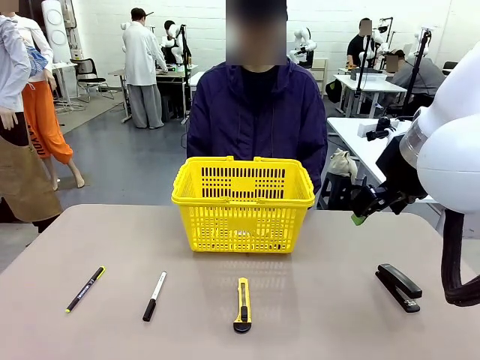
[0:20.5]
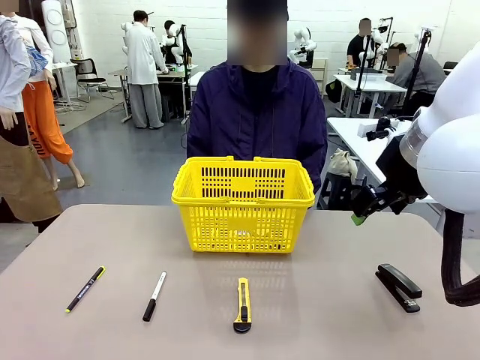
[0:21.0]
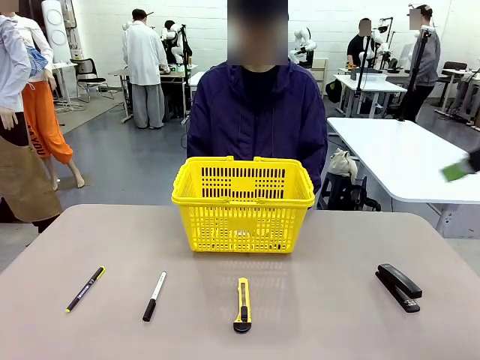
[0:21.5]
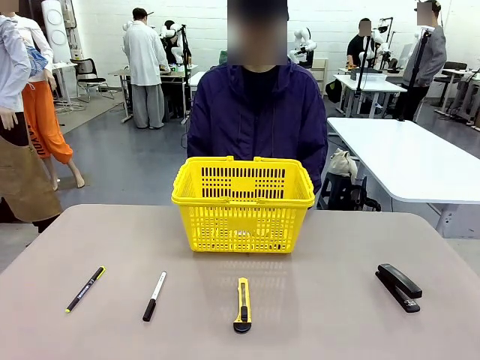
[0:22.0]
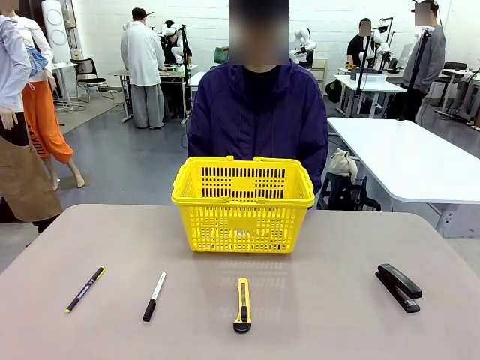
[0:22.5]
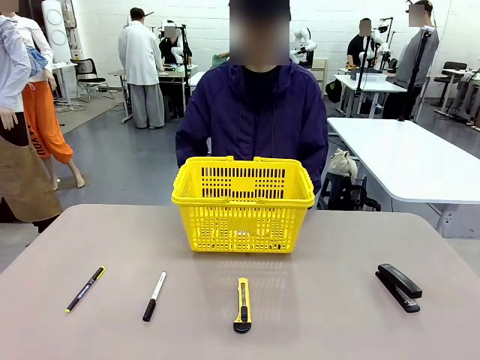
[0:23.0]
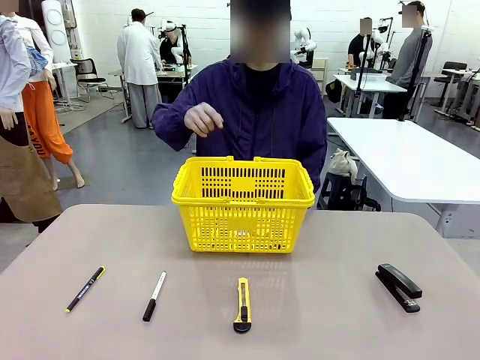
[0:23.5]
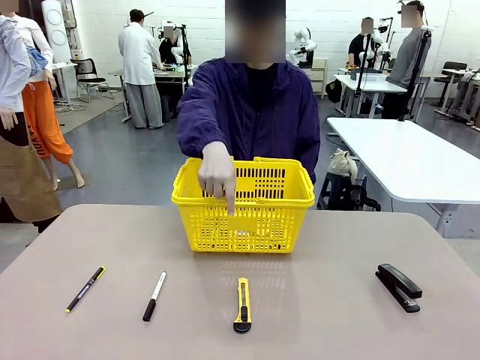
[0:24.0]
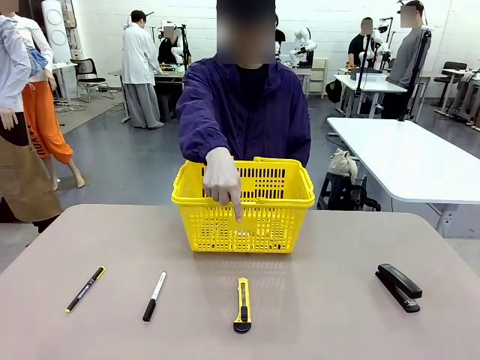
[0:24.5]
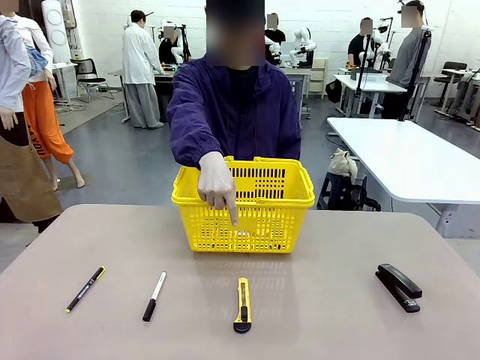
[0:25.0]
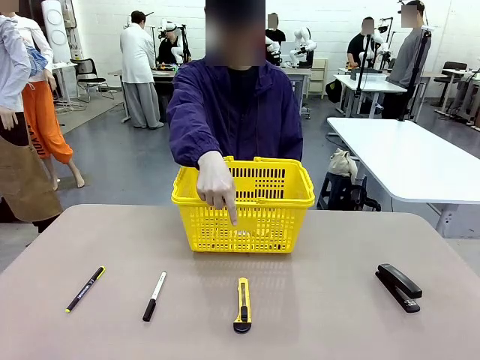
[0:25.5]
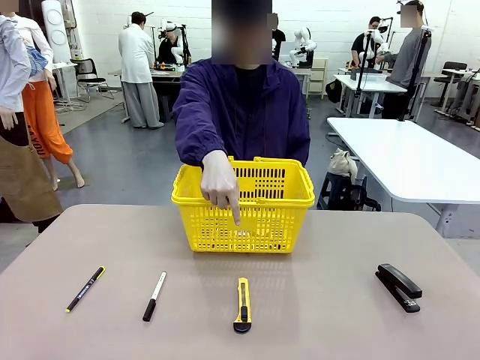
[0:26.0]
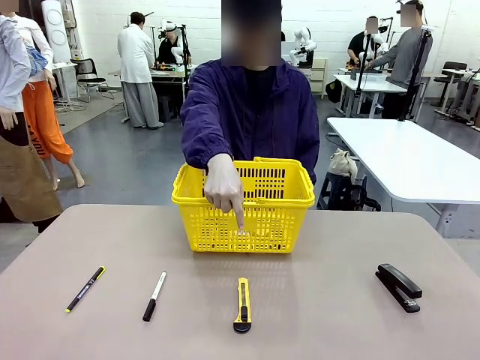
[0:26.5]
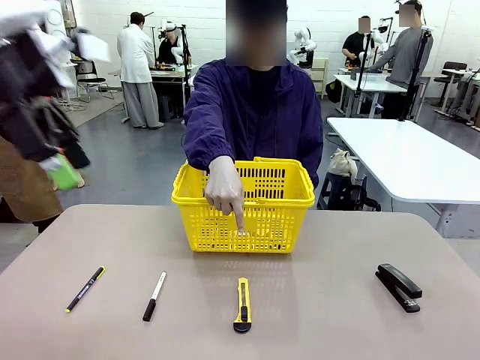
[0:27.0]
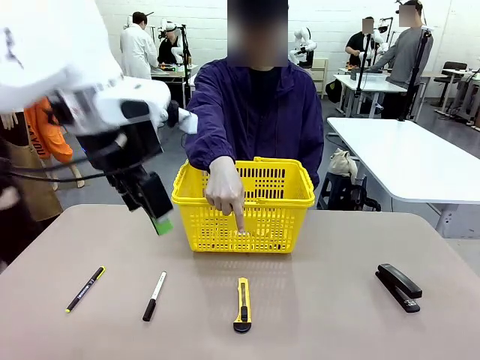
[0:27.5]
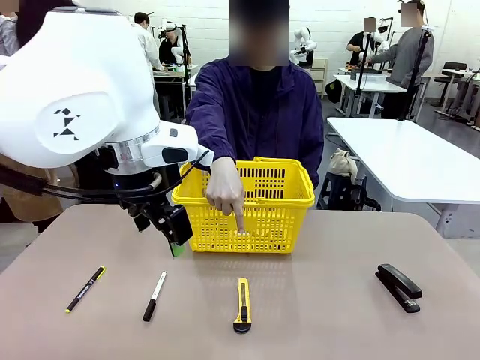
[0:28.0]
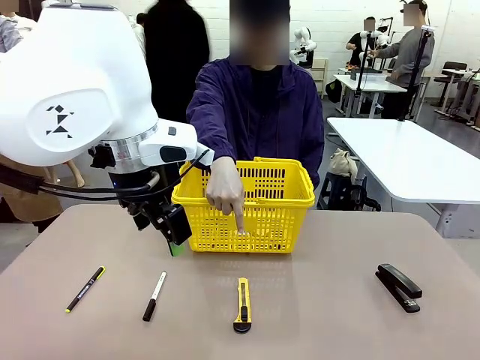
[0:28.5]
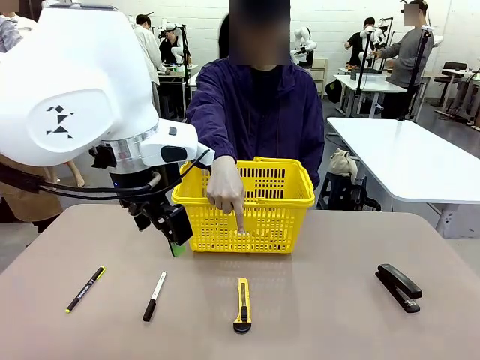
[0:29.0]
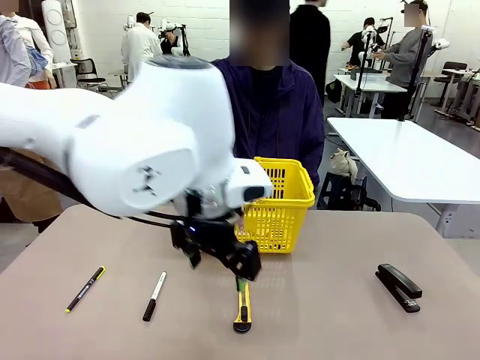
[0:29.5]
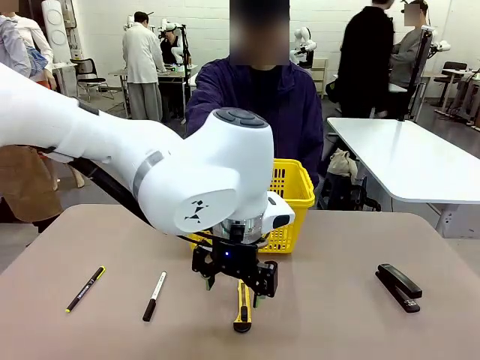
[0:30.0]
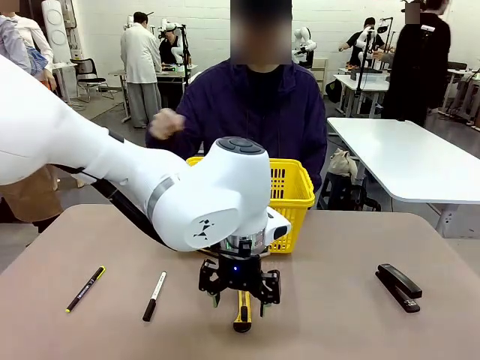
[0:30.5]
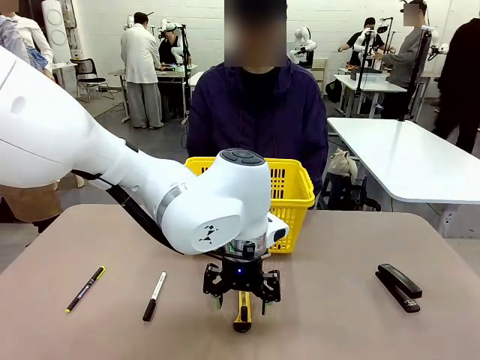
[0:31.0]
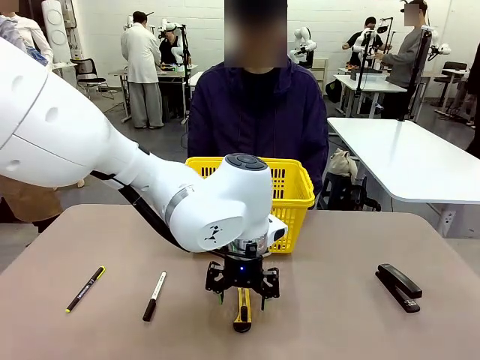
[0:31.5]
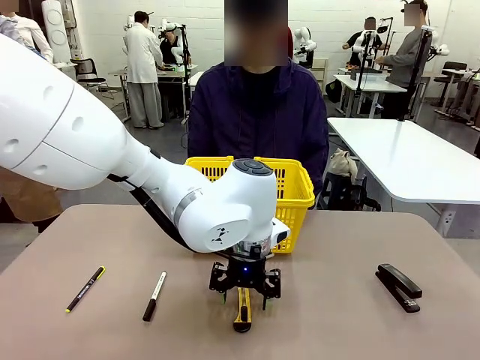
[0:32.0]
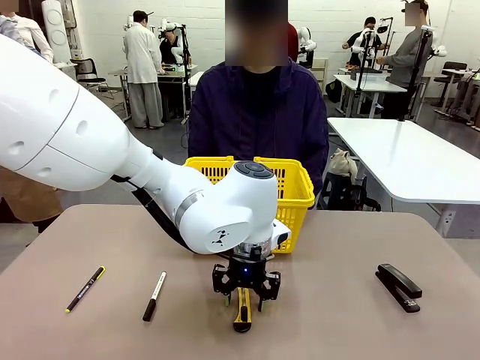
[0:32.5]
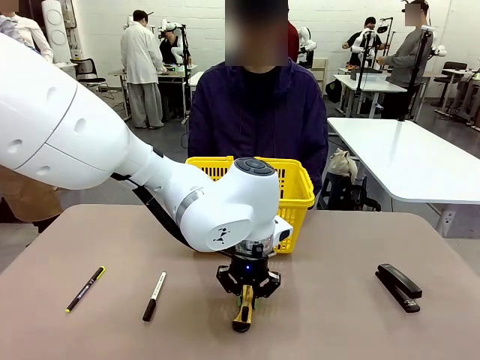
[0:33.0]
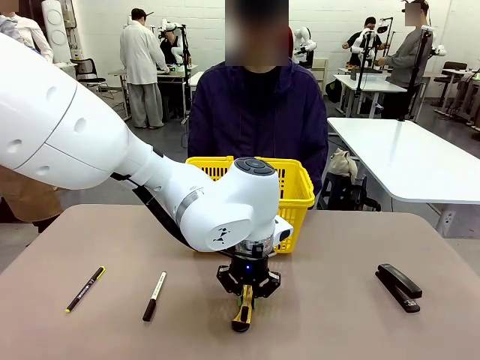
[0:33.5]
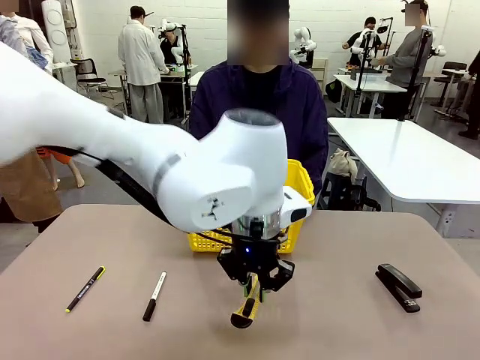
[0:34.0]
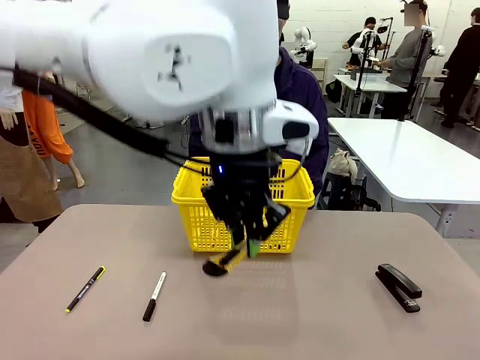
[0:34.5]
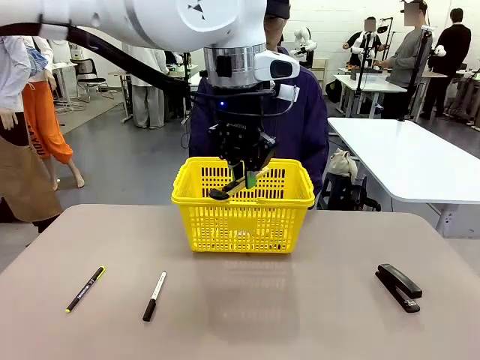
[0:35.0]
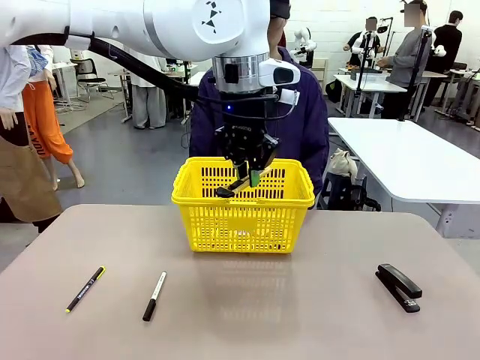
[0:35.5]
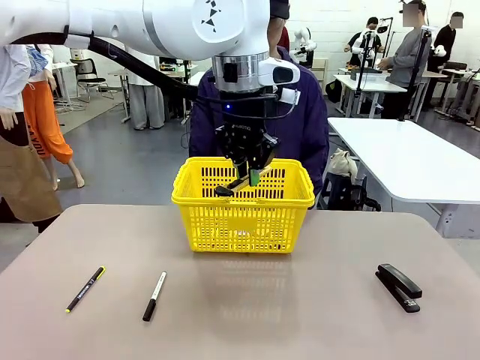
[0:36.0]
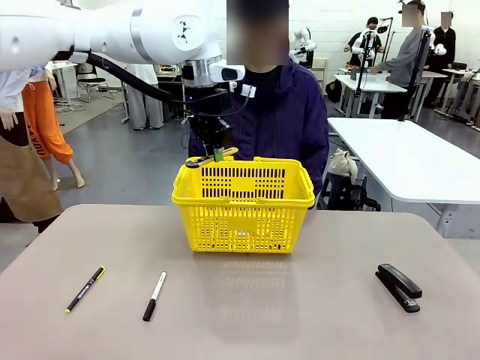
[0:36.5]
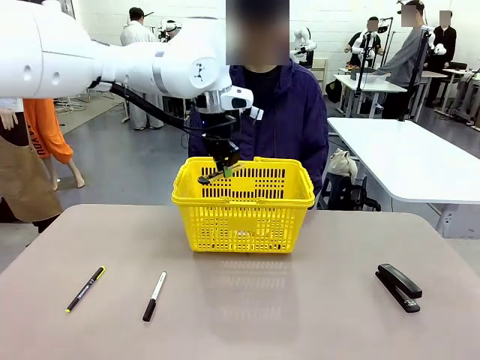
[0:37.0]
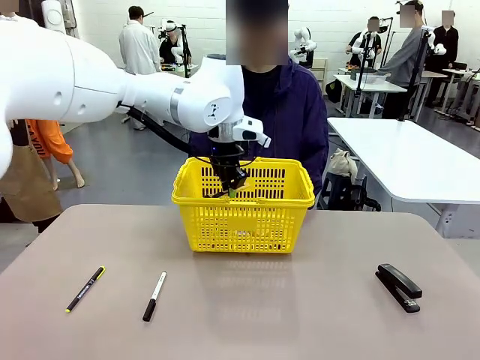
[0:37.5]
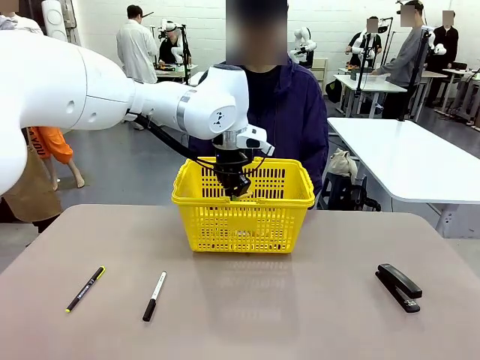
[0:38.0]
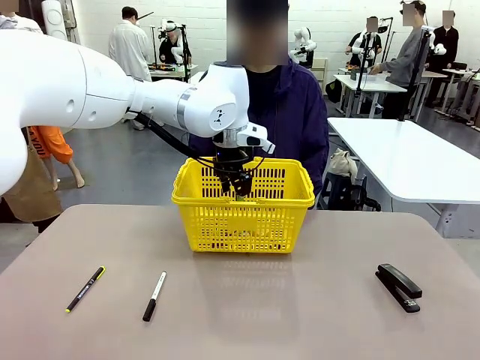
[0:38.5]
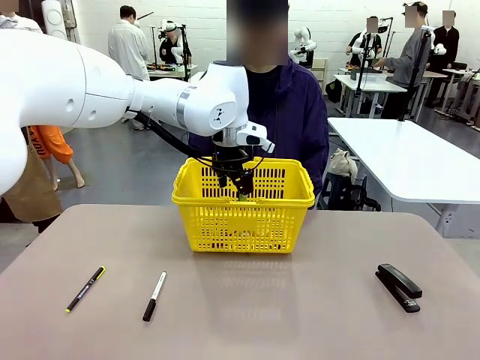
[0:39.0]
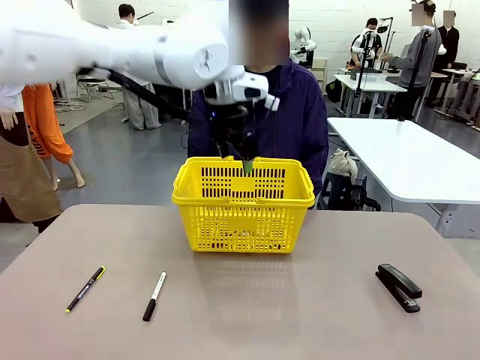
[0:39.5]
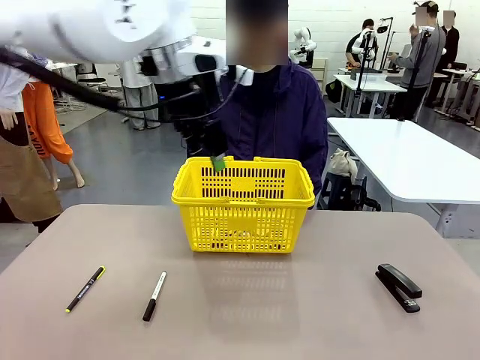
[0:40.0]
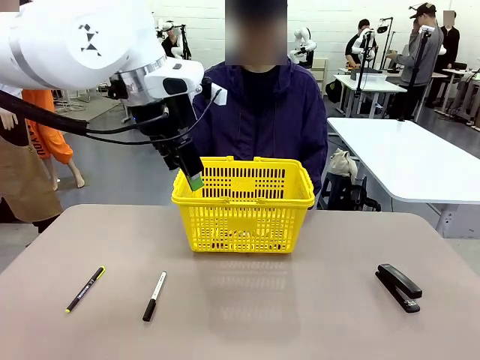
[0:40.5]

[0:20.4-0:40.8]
Task: Place the items the person wants into the basket.
Robot: Pick up the item the person points to and place it in the Market Basket.
